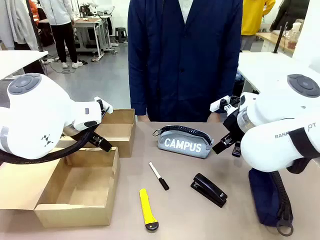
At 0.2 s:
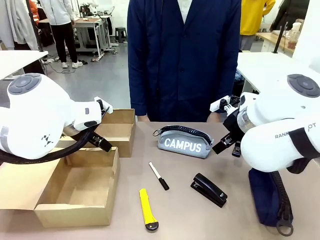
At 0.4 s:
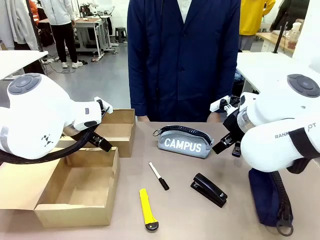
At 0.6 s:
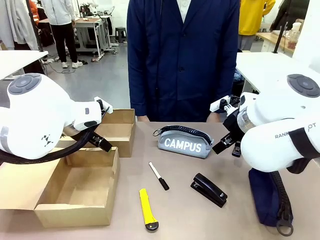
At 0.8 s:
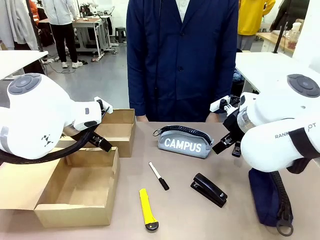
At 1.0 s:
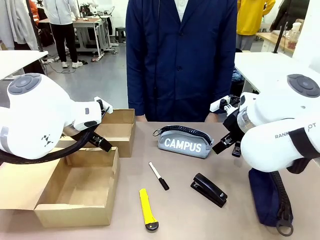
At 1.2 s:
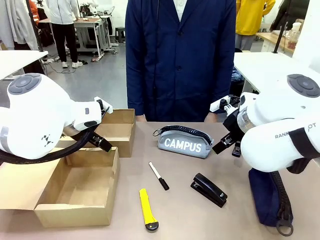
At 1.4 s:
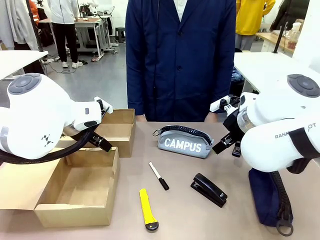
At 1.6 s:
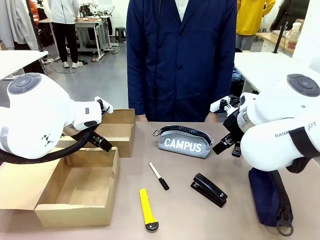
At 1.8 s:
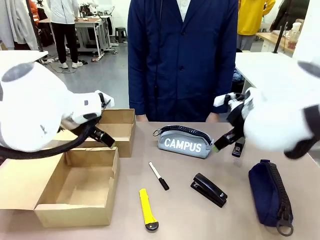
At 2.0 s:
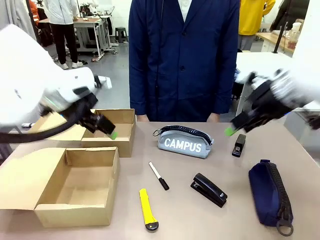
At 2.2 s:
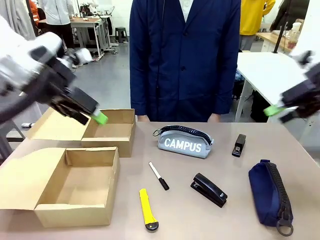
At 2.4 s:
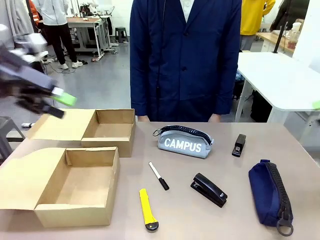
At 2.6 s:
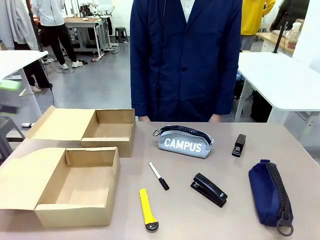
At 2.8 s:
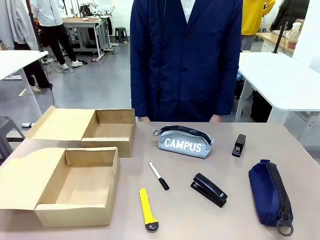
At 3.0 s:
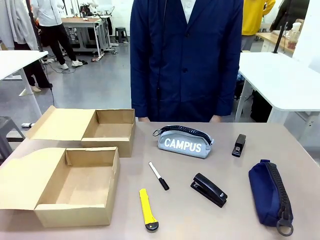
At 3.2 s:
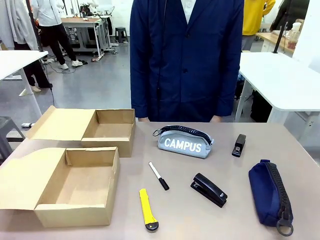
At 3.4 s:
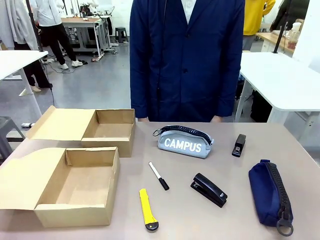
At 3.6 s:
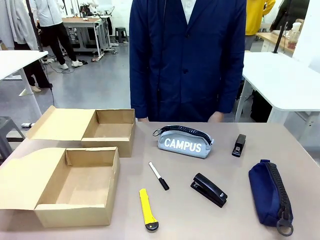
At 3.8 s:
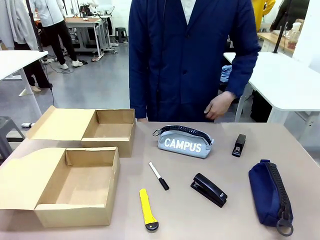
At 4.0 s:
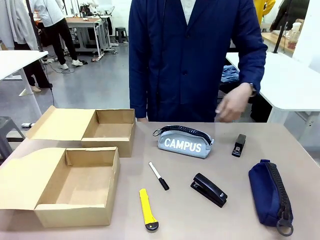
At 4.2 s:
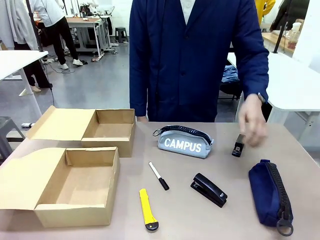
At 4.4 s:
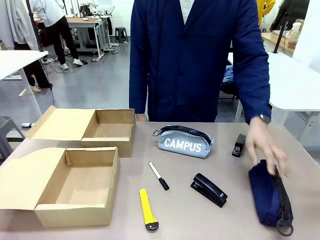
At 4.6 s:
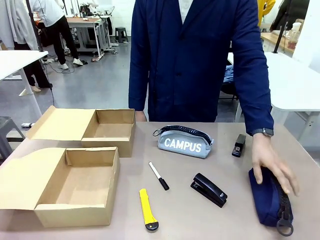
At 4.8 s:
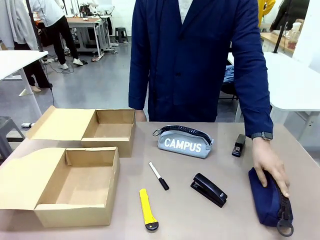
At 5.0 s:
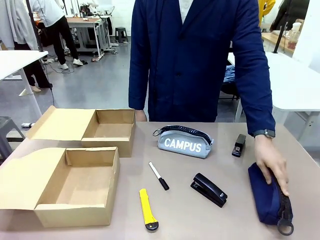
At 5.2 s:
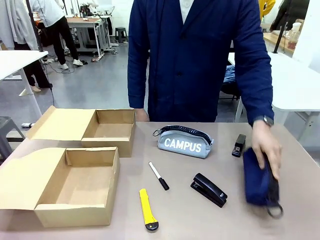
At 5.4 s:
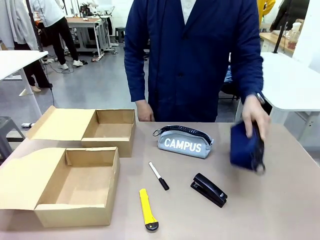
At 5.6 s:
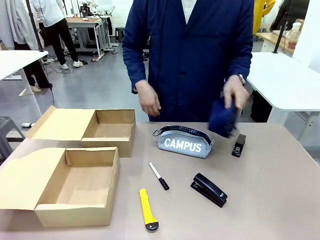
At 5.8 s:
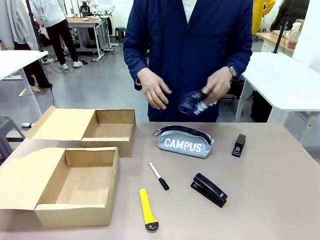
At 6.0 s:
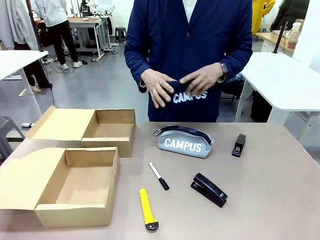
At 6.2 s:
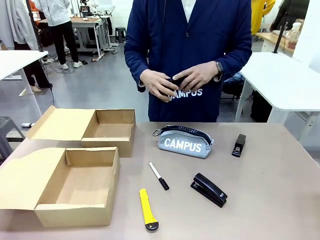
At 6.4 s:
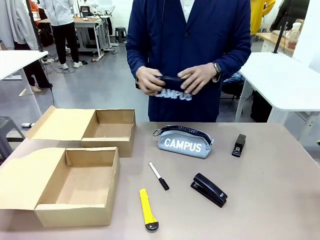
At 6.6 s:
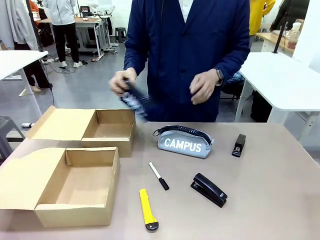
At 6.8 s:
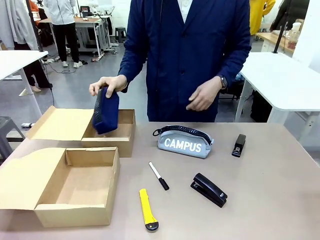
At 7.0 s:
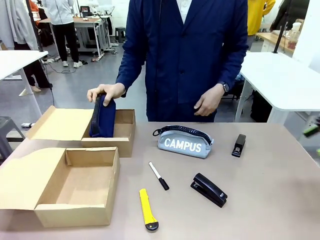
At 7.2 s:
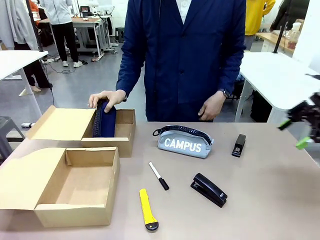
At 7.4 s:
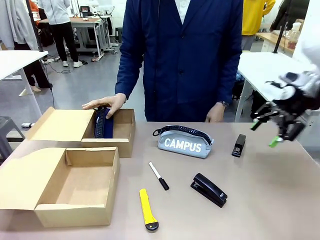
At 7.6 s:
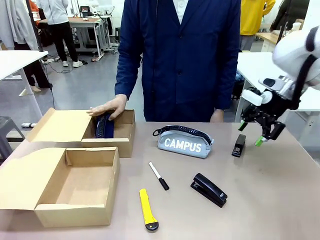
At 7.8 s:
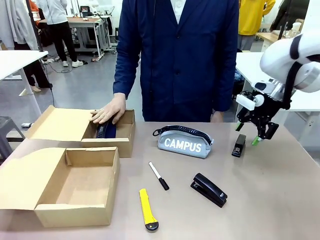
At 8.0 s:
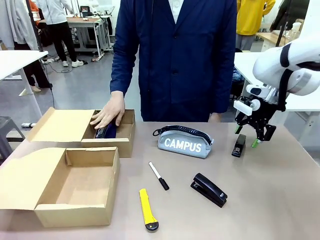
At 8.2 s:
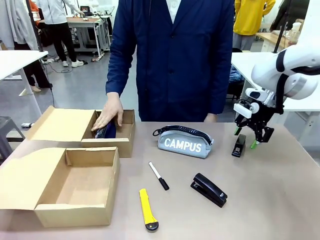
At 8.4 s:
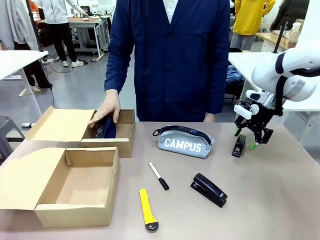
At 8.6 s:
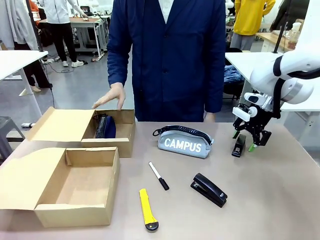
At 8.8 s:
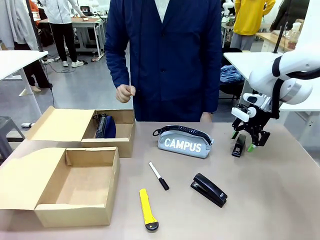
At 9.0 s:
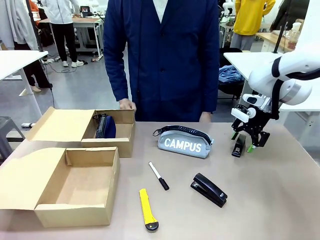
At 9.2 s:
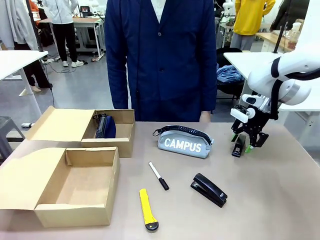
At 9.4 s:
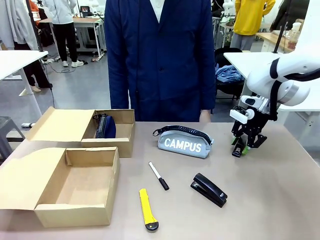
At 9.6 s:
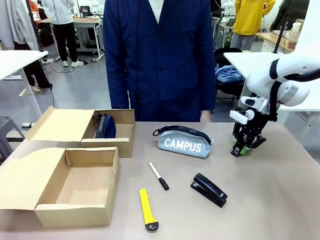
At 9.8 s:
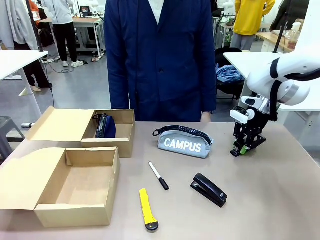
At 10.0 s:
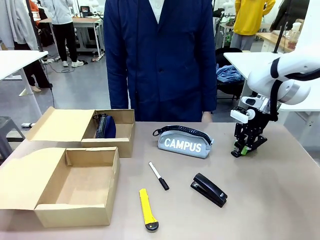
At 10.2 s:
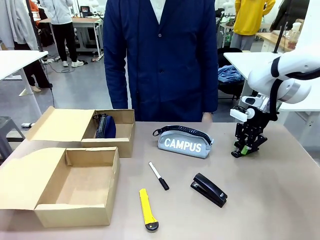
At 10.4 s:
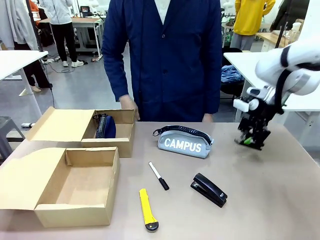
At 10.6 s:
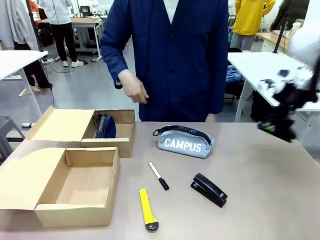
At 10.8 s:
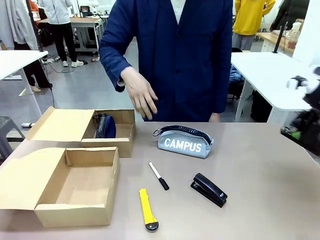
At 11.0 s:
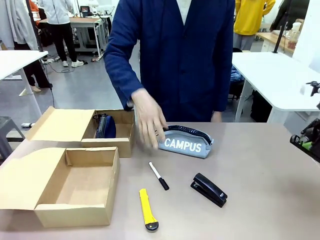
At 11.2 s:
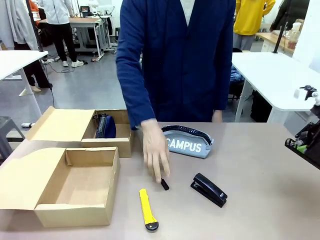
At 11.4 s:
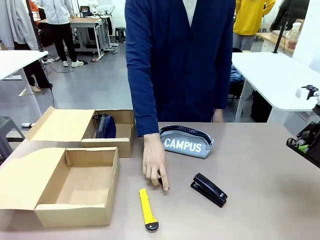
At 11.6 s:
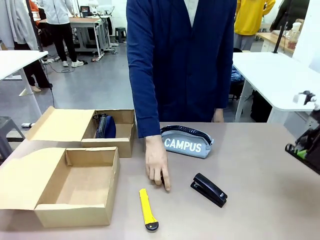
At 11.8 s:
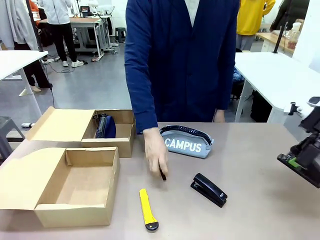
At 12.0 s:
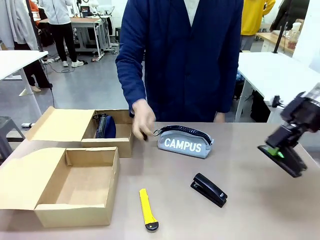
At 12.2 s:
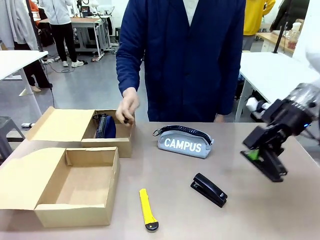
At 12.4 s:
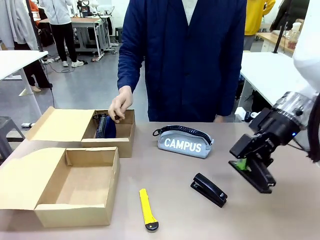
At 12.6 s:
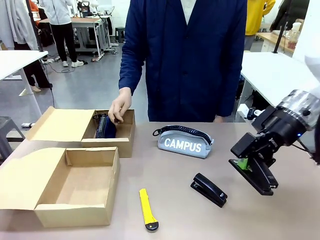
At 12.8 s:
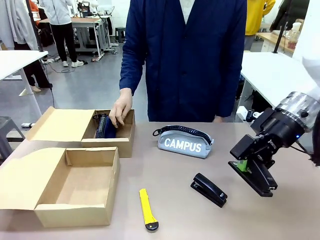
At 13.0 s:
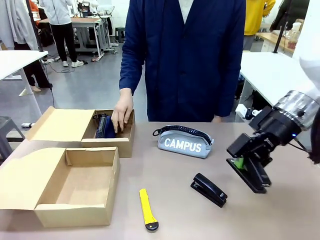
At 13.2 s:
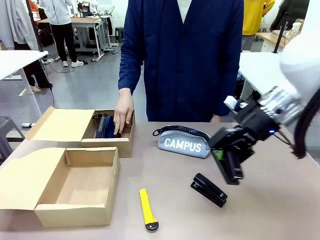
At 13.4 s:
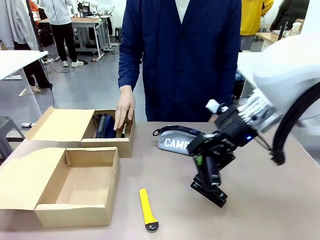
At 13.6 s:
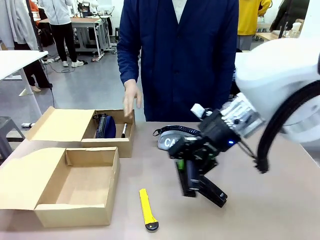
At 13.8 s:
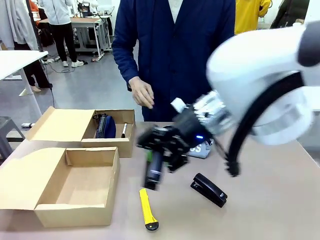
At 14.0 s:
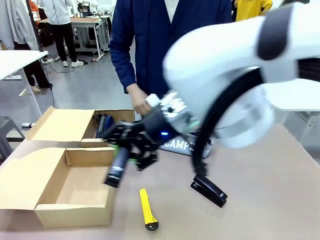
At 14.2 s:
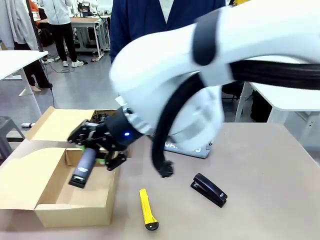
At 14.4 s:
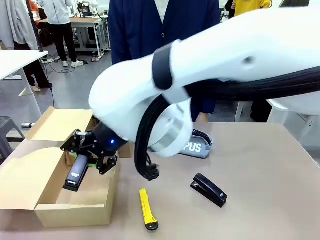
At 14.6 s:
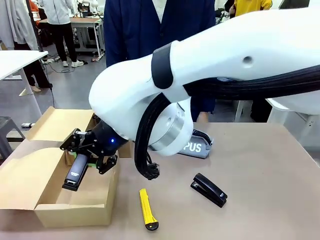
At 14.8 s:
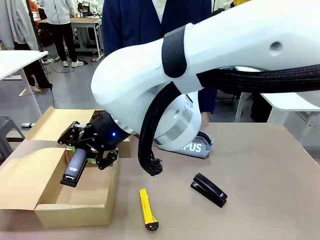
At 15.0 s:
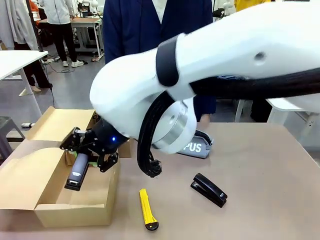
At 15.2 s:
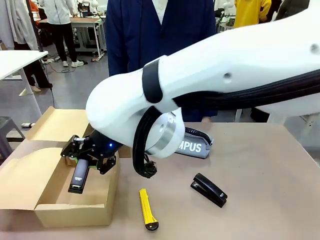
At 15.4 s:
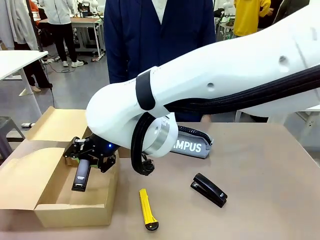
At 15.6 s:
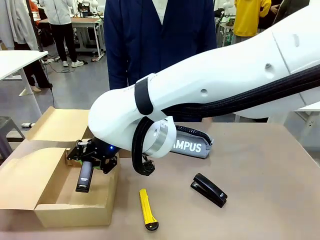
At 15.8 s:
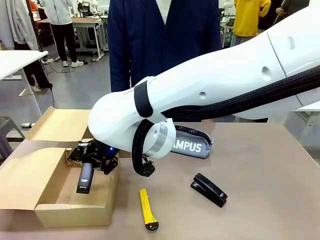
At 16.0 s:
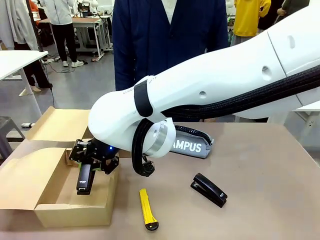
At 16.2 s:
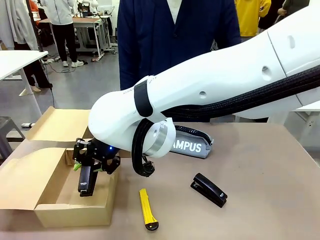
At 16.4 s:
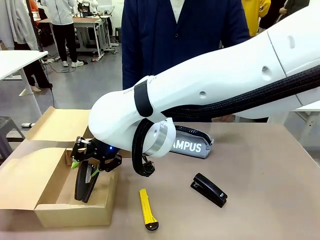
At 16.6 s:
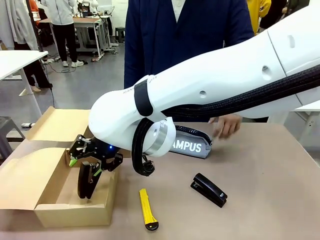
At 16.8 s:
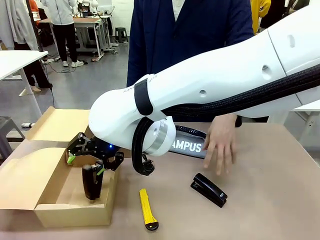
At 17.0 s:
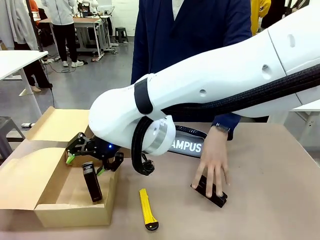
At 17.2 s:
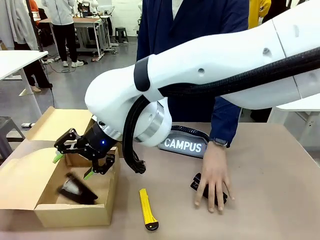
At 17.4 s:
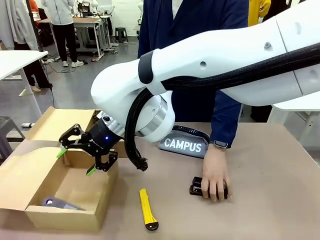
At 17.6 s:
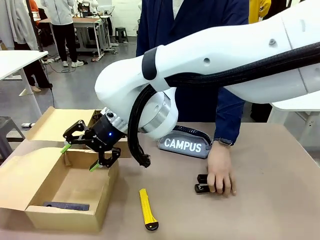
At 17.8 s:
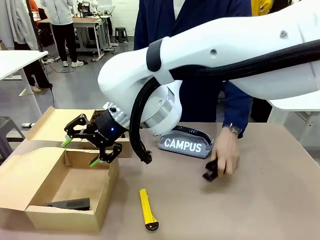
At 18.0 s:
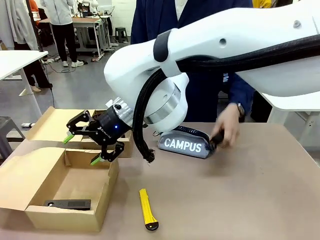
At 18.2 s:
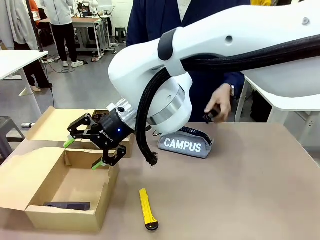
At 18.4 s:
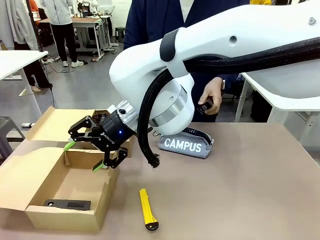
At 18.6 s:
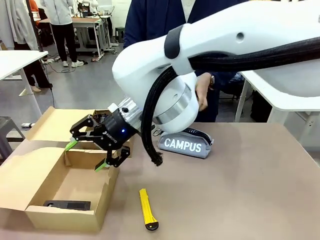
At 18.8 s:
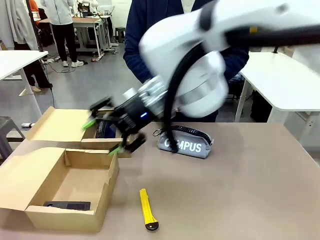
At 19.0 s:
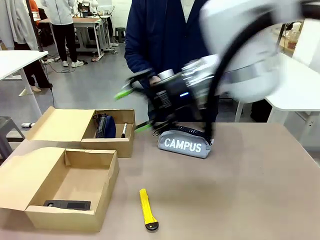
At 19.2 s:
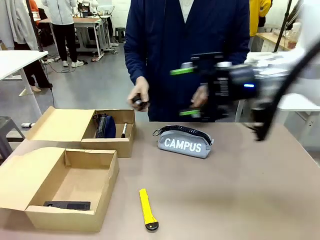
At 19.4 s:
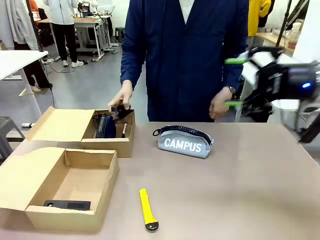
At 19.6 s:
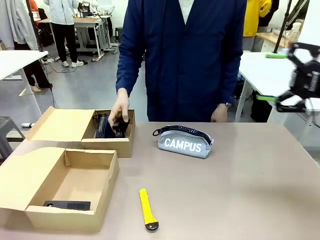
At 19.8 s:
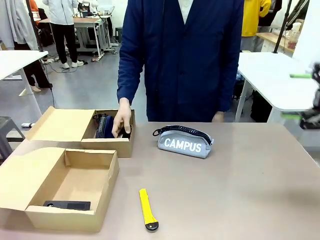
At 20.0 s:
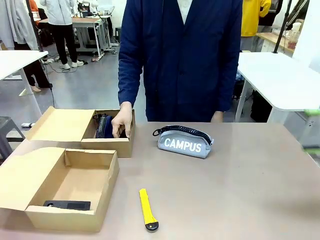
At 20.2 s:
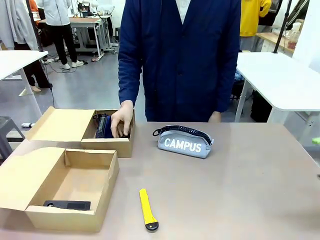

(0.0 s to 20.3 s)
Task: Place items inside the box.
Robot: Pick up a Pencil pouch or Stapler and place it inside the Mailer Box closest to the robot.
Person: Pick up an object on the table and put it in the box.
